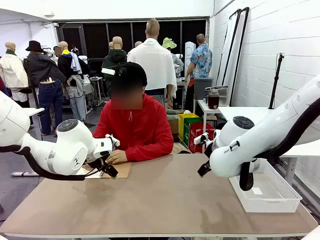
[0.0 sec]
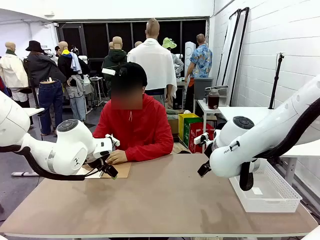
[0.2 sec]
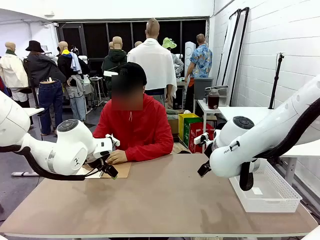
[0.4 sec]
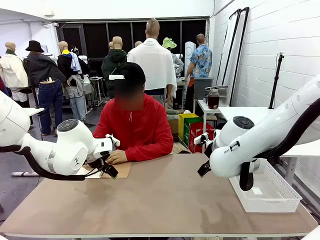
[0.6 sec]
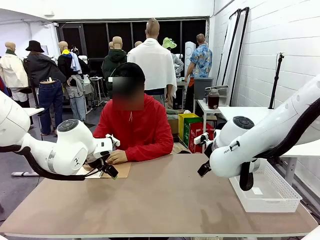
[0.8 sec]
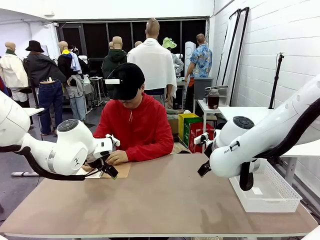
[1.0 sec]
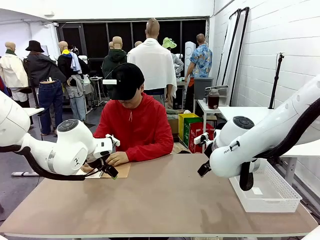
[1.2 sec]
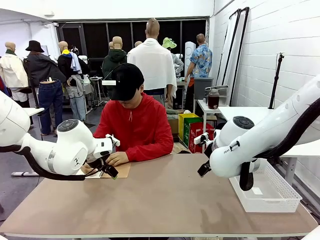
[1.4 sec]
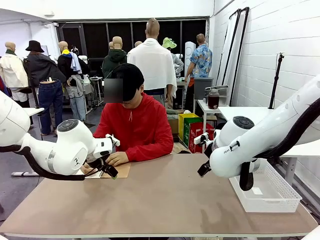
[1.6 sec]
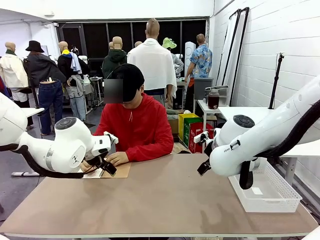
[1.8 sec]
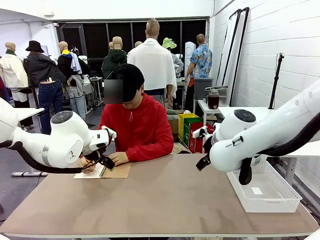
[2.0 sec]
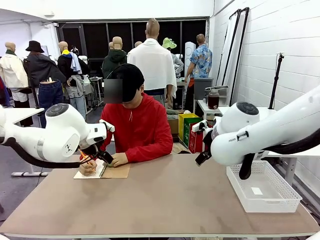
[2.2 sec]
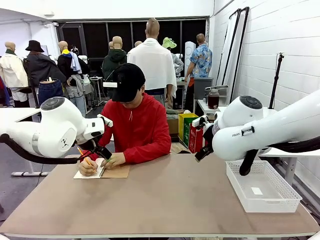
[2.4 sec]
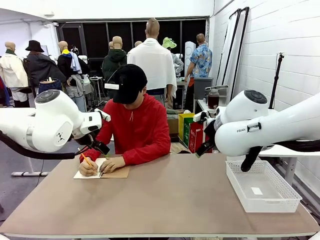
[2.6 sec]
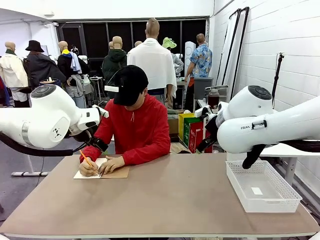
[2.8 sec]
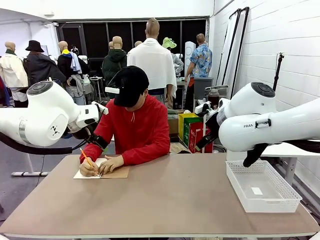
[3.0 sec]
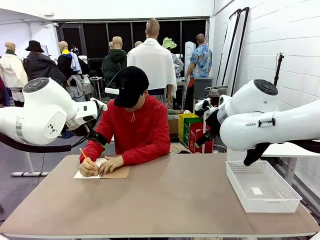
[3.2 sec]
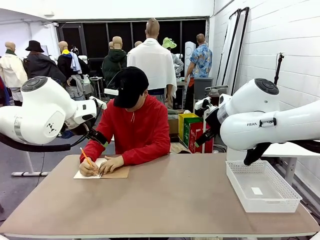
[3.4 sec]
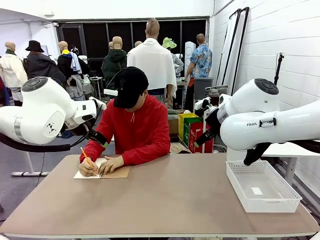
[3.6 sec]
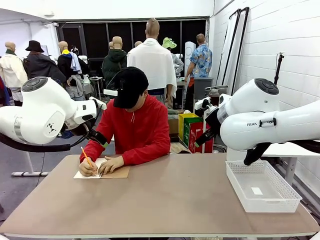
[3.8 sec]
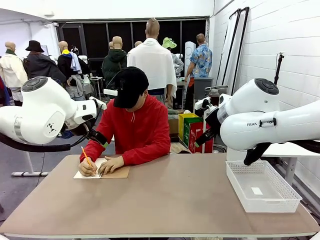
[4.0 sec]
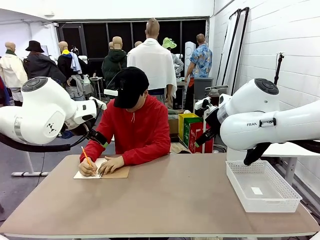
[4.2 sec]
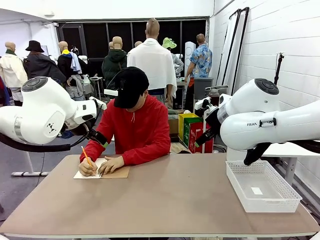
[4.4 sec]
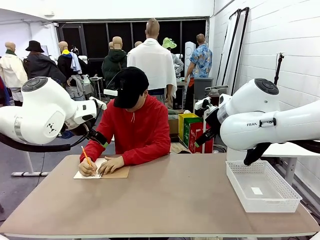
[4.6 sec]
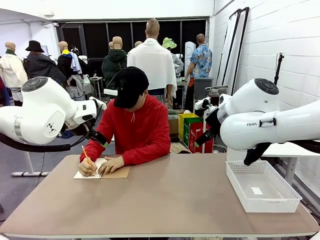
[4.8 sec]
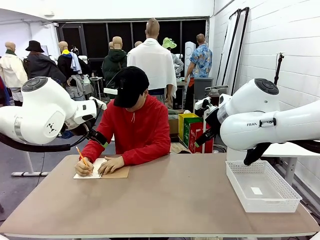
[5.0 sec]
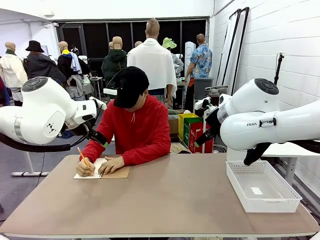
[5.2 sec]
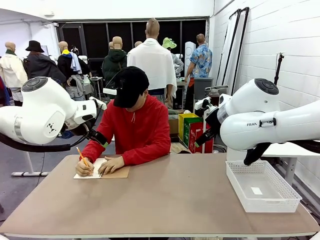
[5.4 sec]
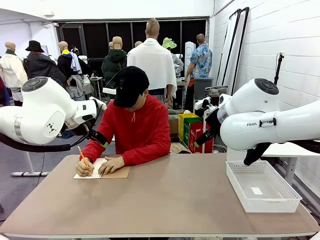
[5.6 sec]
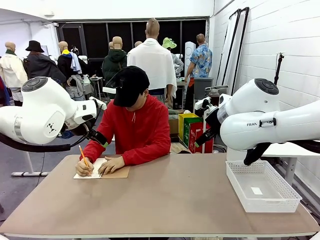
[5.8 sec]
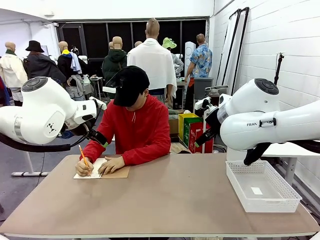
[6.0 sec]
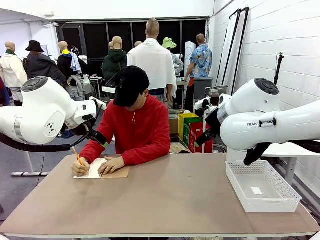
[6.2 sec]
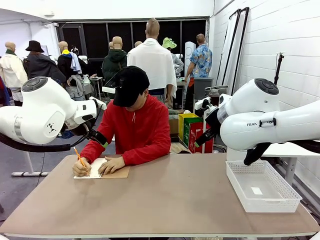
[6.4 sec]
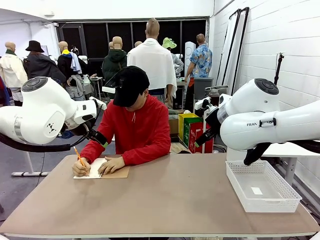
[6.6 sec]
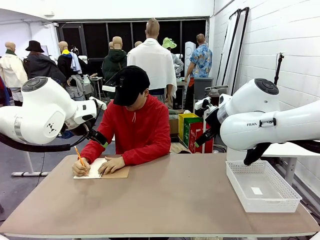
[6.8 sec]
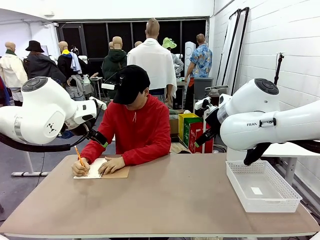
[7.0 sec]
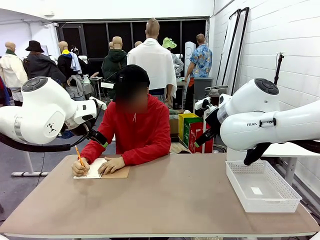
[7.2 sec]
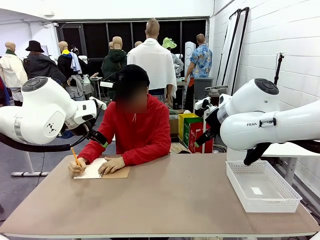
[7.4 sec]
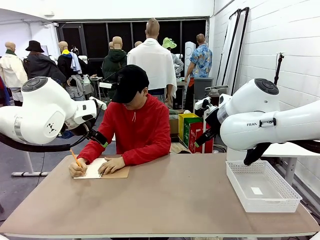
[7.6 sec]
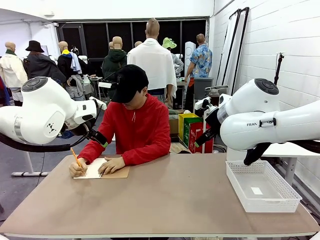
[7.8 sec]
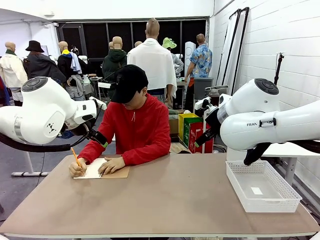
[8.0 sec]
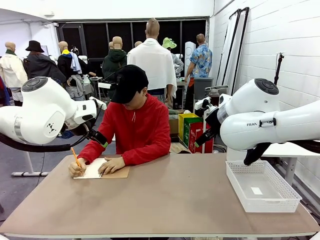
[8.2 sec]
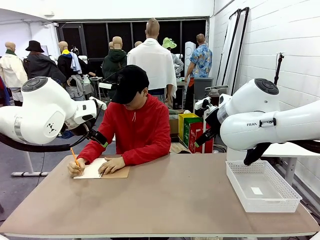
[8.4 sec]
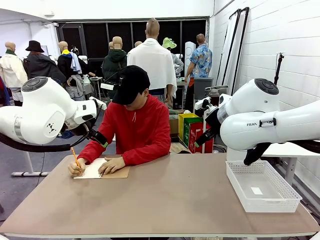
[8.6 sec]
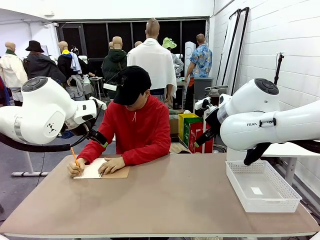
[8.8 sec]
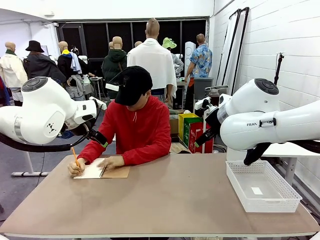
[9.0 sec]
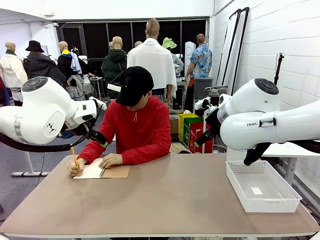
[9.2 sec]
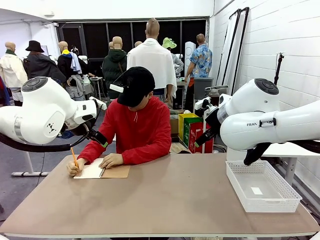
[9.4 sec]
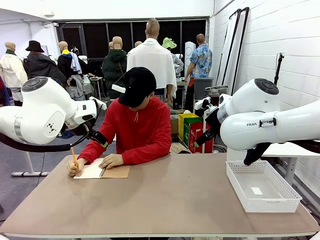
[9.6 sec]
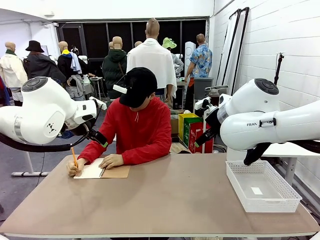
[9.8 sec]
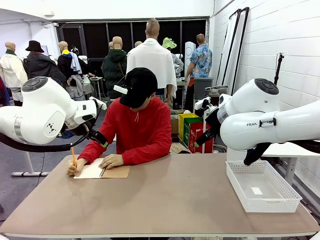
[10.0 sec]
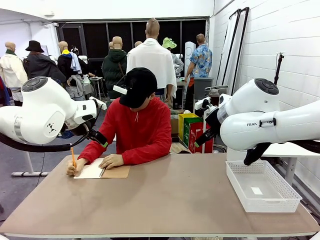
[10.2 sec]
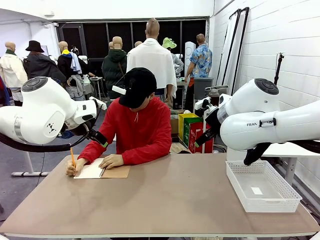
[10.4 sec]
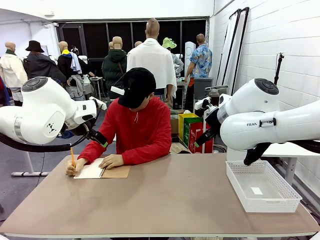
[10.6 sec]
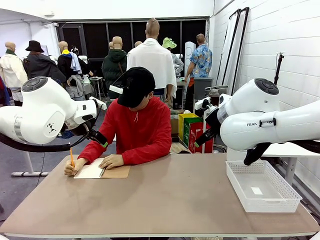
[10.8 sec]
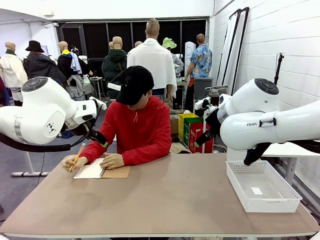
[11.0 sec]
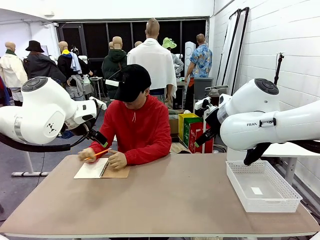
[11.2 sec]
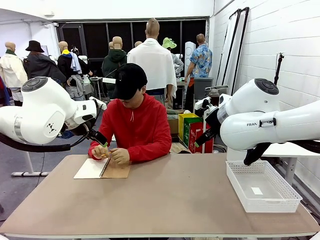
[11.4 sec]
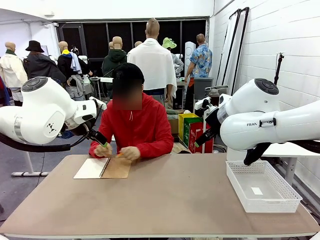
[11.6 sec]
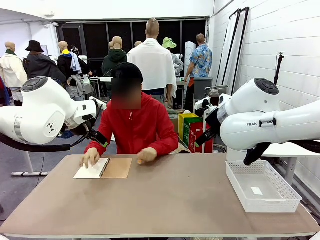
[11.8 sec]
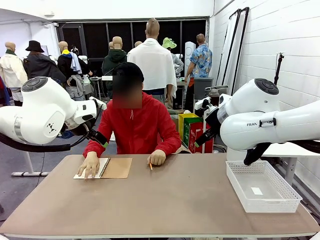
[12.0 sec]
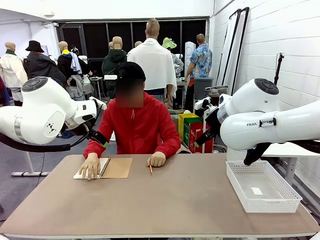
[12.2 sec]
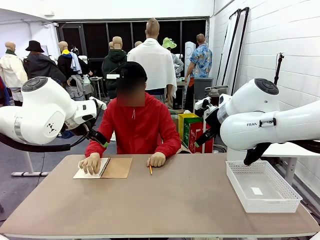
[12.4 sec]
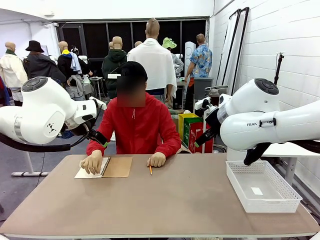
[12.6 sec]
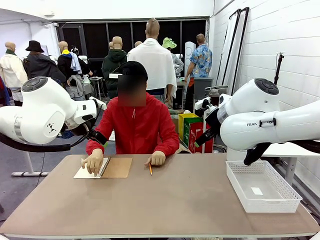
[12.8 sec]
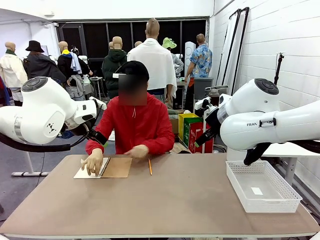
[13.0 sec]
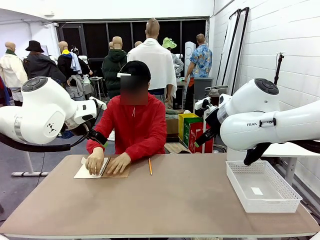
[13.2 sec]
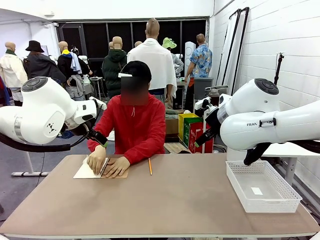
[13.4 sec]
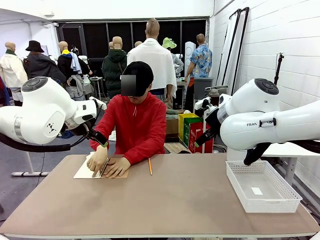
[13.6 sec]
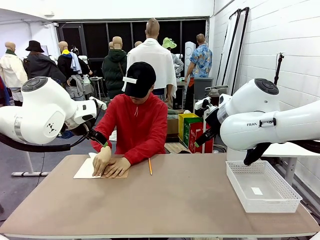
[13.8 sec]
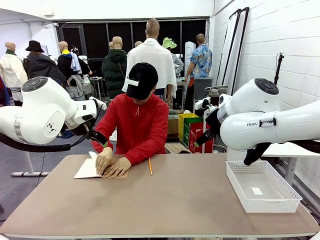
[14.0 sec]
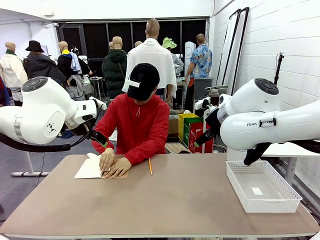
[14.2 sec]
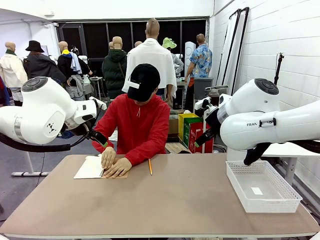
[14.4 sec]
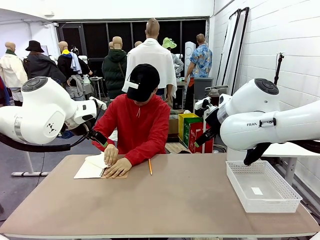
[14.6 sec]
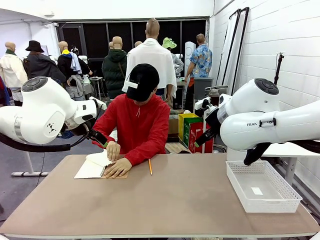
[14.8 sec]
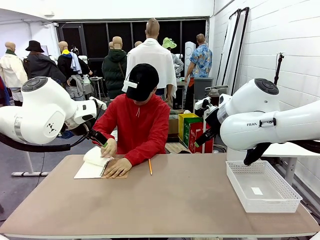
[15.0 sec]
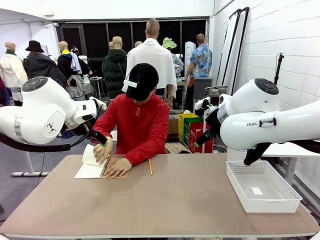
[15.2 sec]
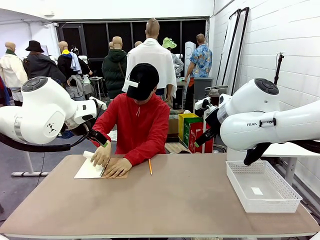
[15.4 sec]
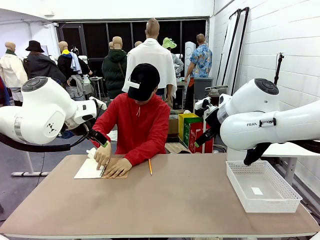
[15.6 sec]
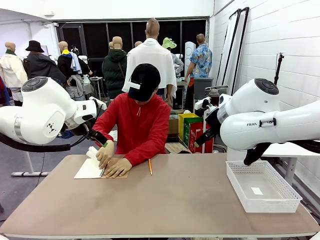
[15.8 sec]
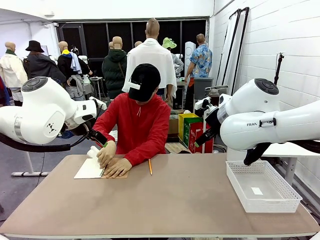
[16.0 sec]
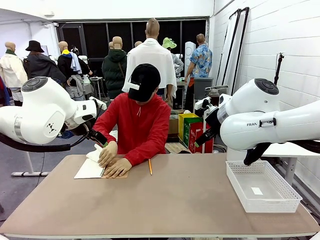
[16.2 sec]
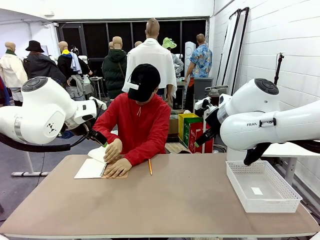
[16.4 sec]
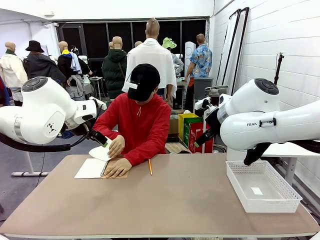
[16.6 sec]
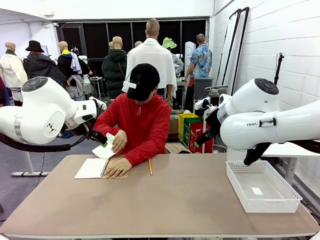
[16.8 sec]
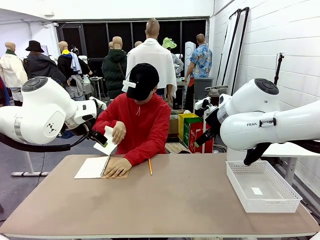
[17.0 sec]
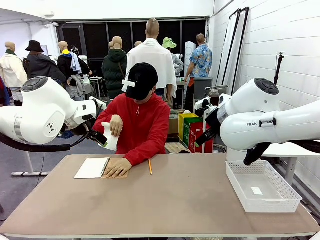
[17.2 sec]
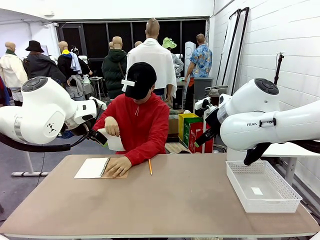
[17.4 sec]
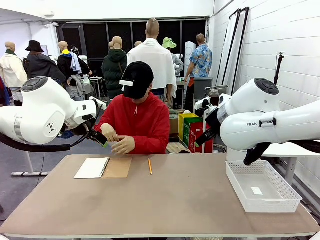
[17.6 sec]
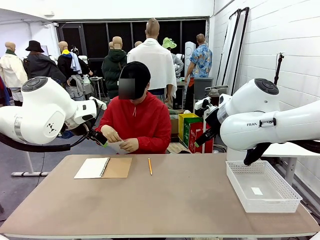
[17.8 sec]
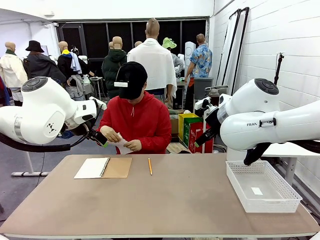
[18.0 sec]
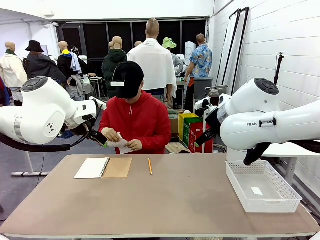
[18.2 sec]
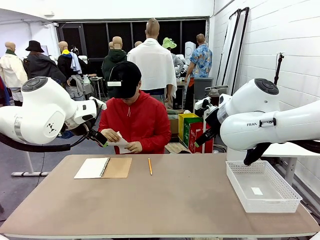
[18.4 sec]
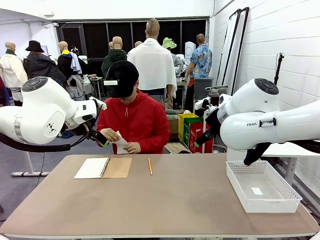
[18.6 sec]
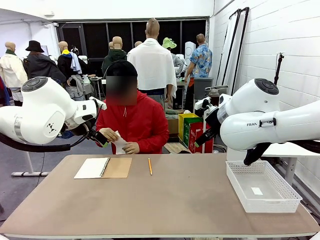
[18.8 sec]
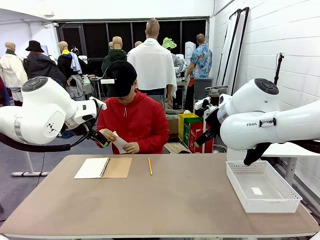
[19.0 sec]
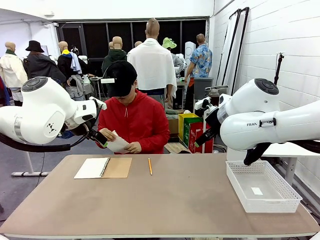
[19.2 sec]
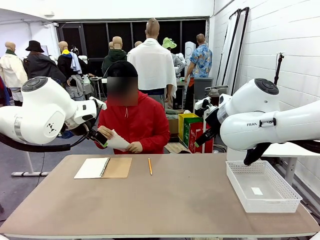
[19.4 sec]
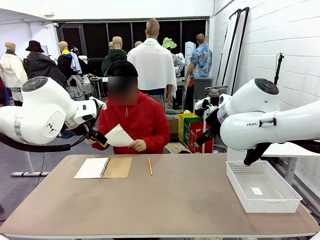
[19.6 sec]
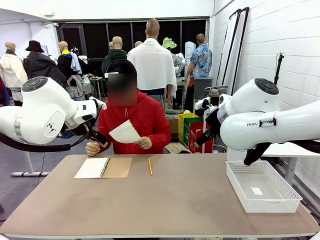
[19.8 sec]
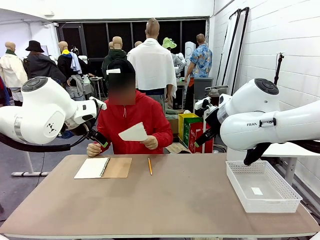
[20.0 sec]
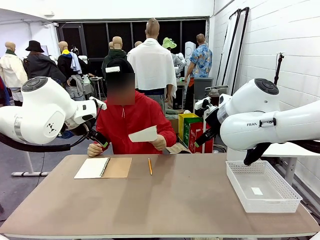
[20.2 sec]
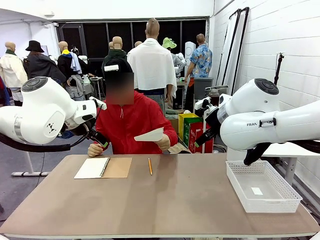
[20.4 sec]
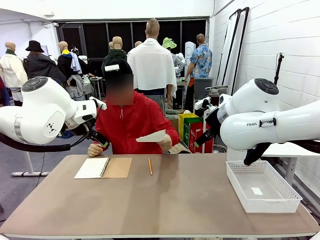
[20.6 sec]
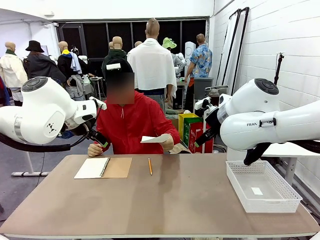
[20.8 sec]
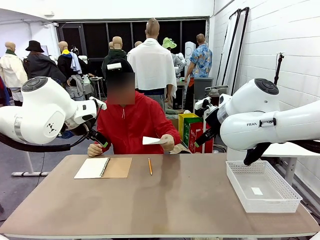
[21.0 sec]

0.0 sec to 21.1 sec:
Task: Sort the paper based on its condition.
Robot: If a person hands you a paper, place it in the Organizing basket , and if it's crumpled, put it in the Trash can.
Person: Tear out a page from the spiral notebook. Hand the torn page to the robot or crumple it and throw it to the center of the table.
